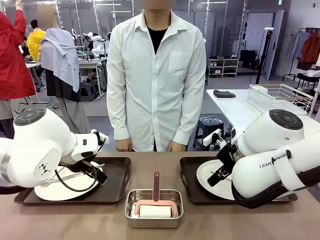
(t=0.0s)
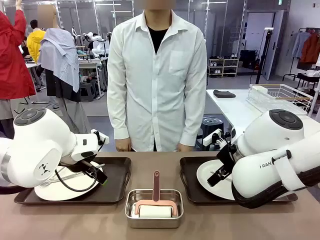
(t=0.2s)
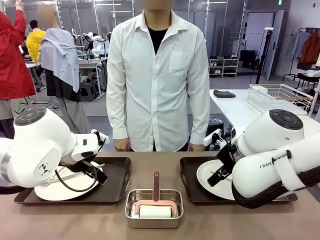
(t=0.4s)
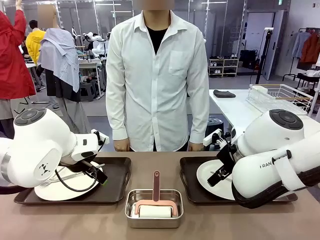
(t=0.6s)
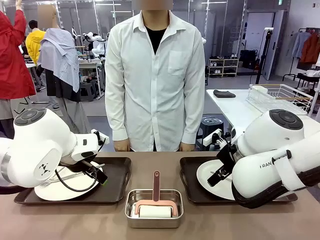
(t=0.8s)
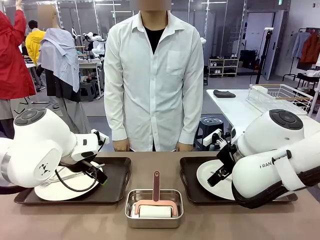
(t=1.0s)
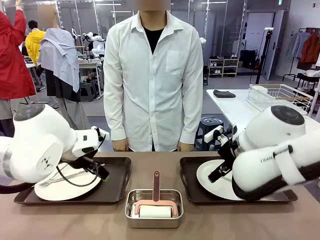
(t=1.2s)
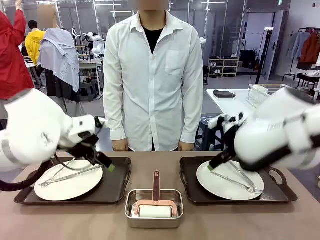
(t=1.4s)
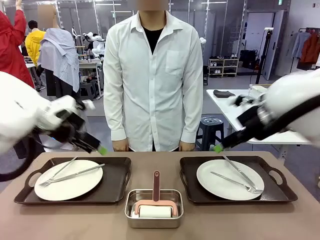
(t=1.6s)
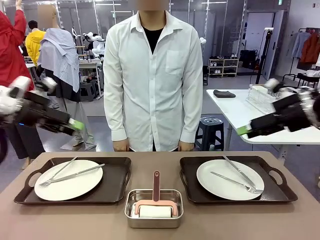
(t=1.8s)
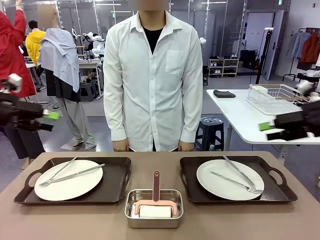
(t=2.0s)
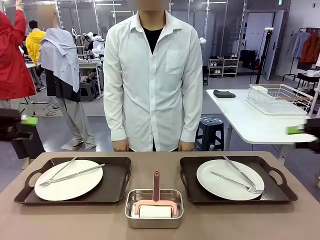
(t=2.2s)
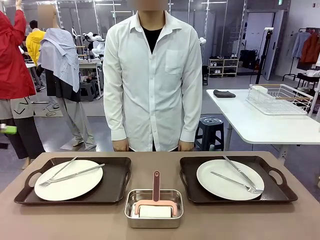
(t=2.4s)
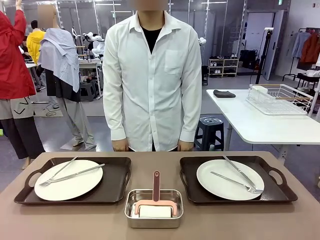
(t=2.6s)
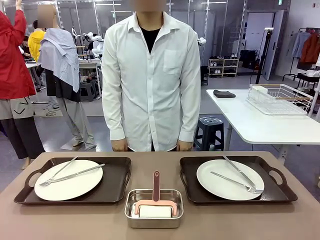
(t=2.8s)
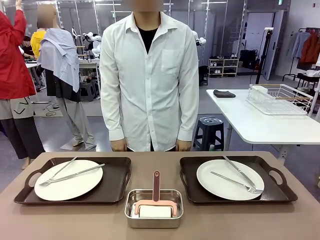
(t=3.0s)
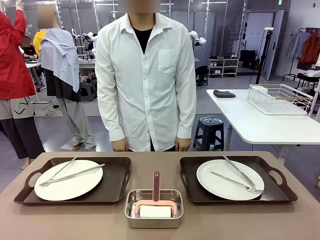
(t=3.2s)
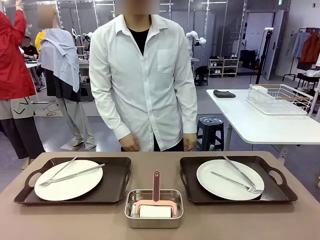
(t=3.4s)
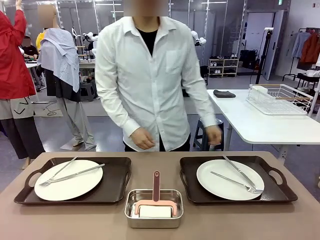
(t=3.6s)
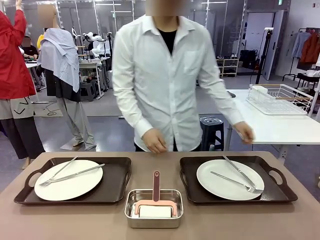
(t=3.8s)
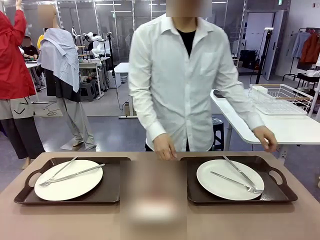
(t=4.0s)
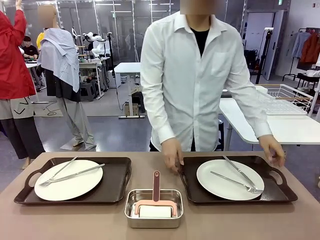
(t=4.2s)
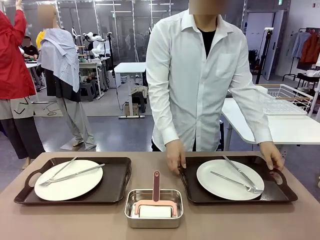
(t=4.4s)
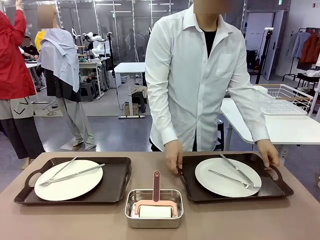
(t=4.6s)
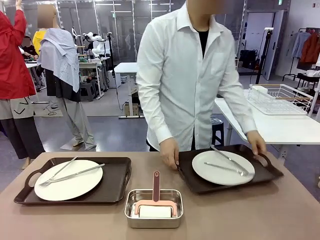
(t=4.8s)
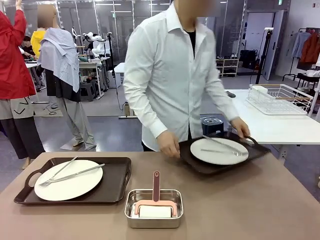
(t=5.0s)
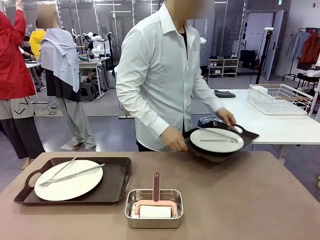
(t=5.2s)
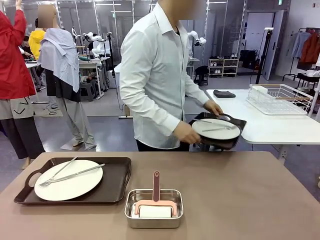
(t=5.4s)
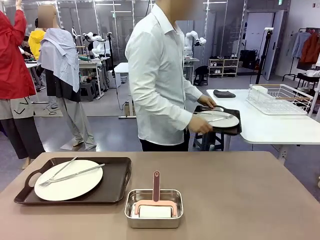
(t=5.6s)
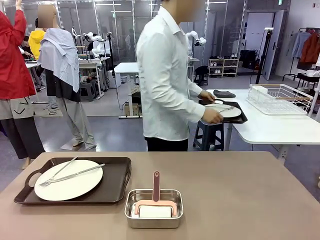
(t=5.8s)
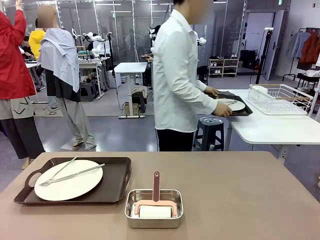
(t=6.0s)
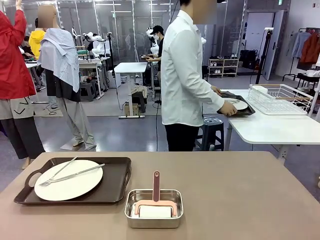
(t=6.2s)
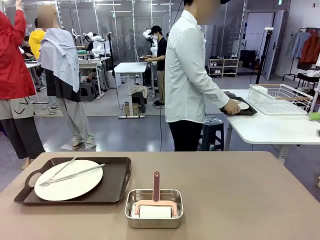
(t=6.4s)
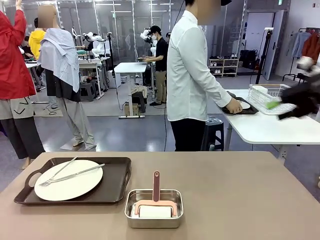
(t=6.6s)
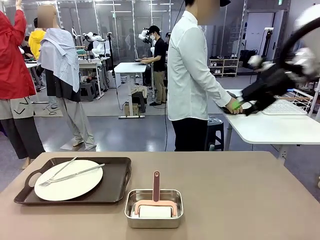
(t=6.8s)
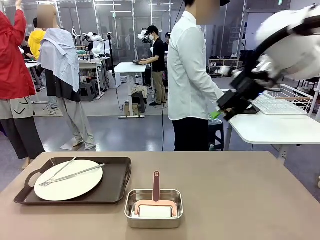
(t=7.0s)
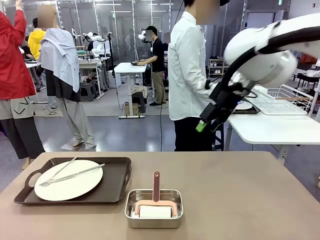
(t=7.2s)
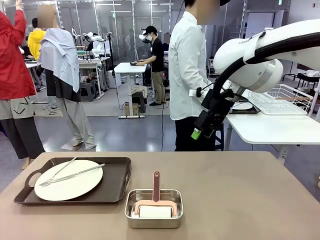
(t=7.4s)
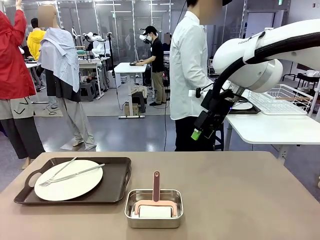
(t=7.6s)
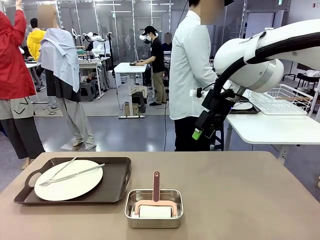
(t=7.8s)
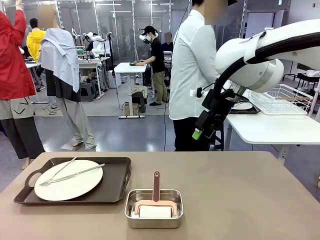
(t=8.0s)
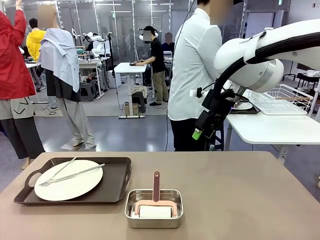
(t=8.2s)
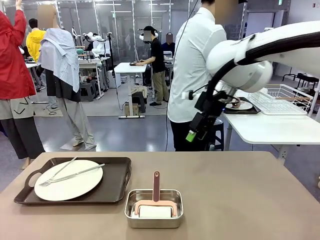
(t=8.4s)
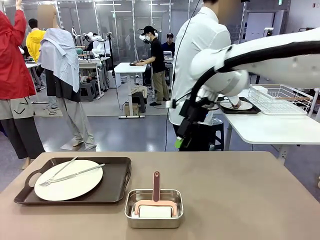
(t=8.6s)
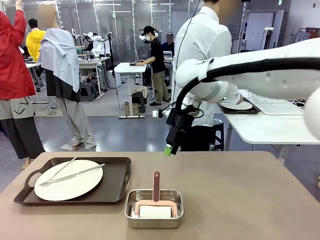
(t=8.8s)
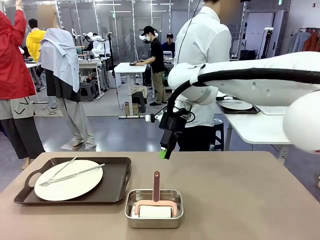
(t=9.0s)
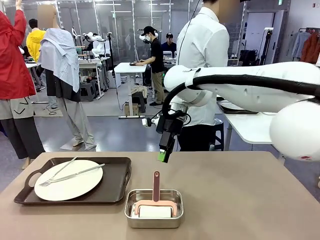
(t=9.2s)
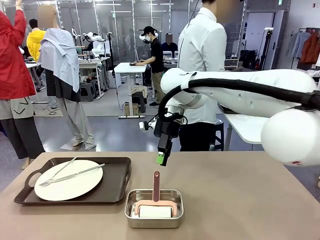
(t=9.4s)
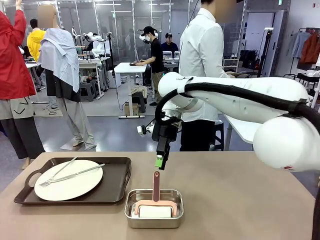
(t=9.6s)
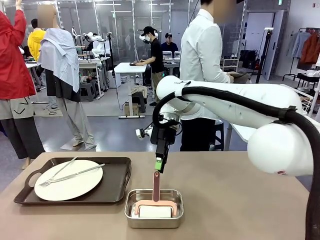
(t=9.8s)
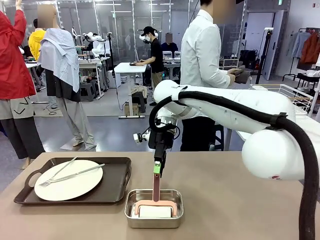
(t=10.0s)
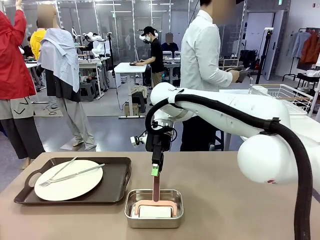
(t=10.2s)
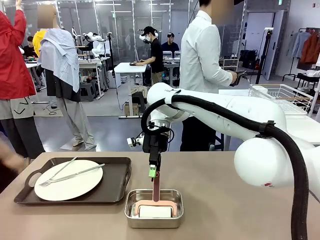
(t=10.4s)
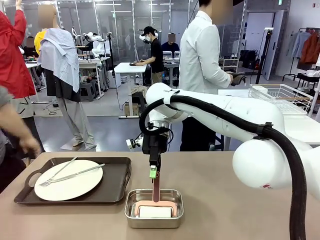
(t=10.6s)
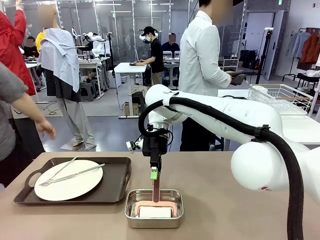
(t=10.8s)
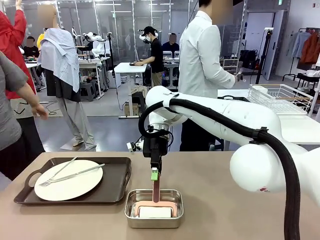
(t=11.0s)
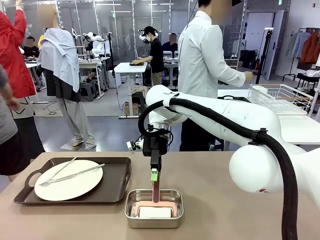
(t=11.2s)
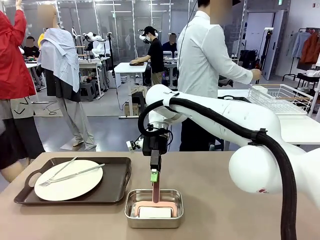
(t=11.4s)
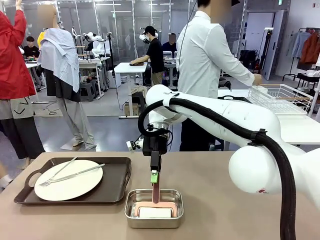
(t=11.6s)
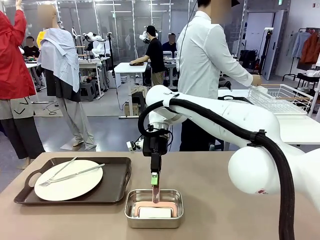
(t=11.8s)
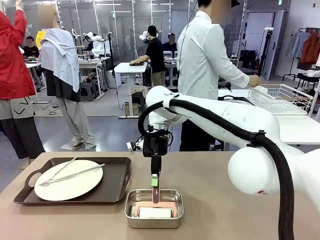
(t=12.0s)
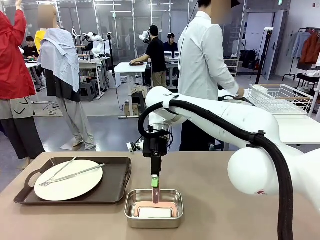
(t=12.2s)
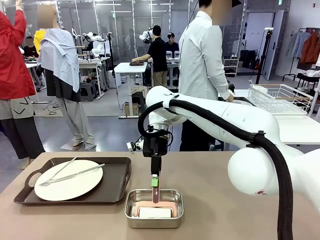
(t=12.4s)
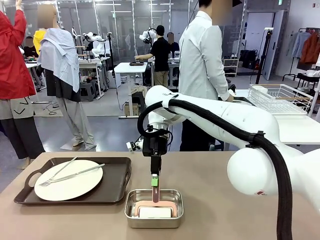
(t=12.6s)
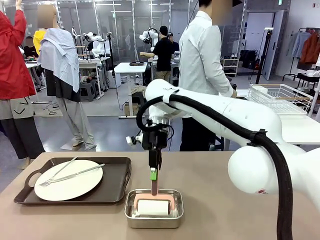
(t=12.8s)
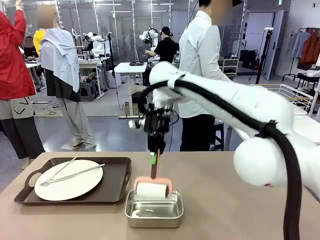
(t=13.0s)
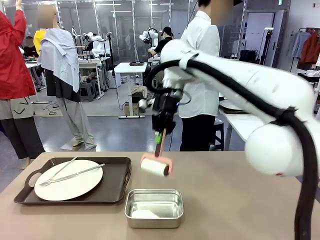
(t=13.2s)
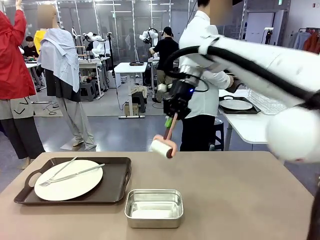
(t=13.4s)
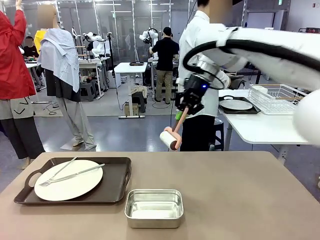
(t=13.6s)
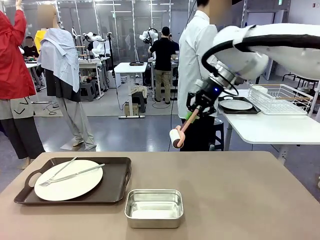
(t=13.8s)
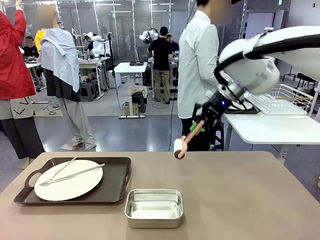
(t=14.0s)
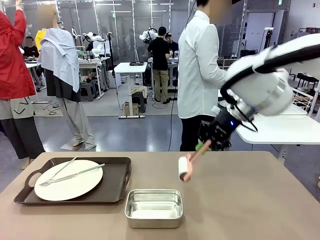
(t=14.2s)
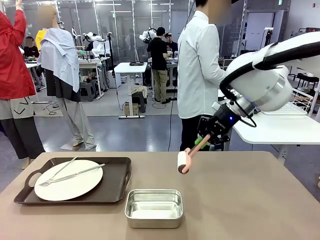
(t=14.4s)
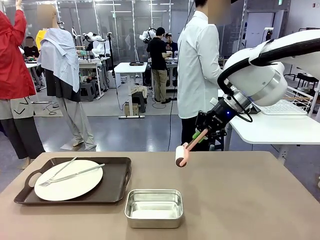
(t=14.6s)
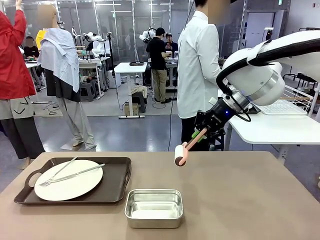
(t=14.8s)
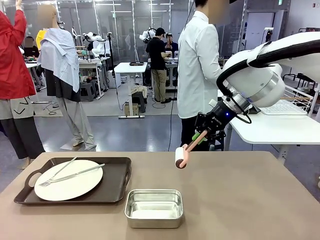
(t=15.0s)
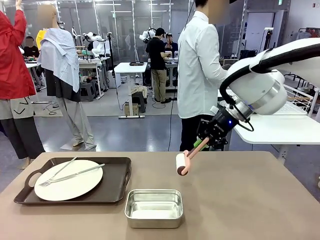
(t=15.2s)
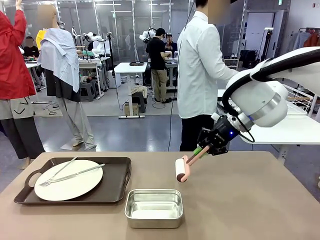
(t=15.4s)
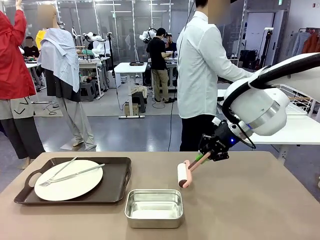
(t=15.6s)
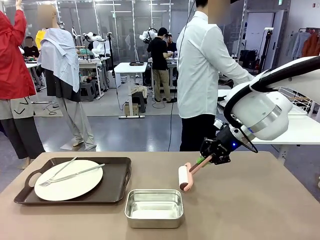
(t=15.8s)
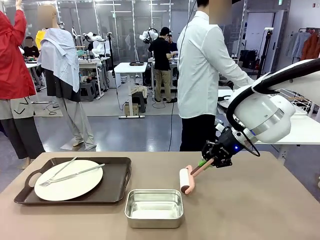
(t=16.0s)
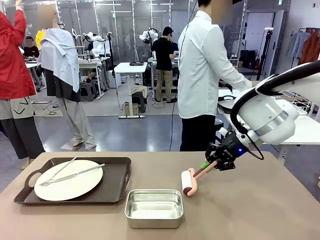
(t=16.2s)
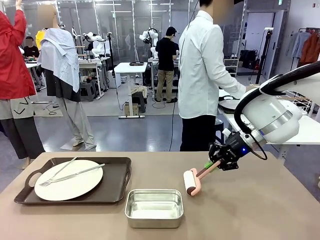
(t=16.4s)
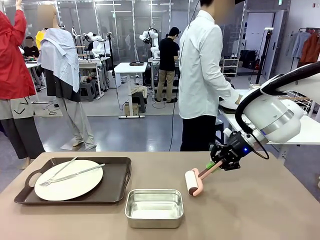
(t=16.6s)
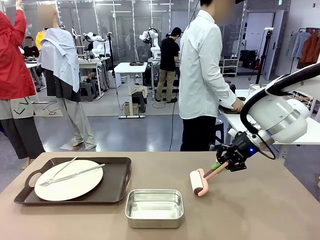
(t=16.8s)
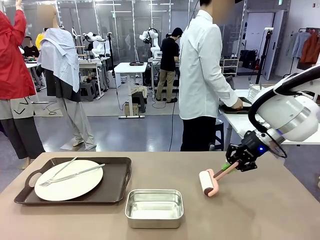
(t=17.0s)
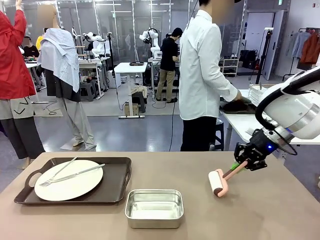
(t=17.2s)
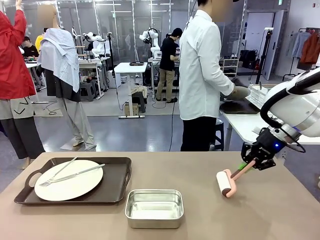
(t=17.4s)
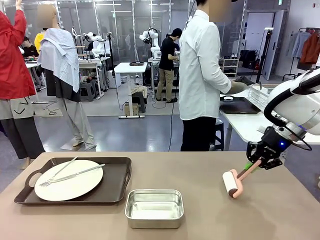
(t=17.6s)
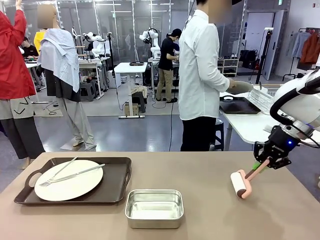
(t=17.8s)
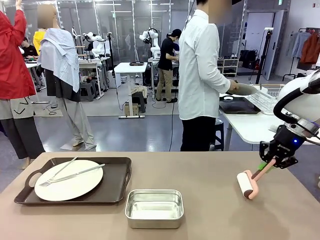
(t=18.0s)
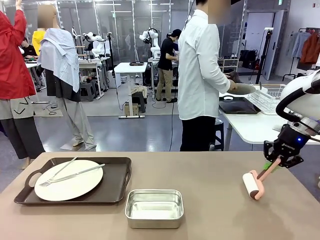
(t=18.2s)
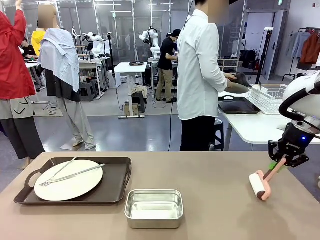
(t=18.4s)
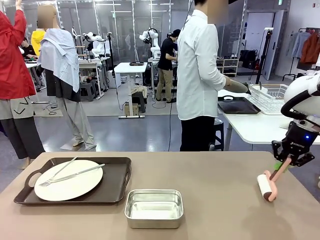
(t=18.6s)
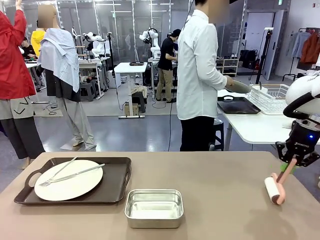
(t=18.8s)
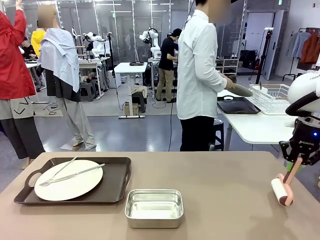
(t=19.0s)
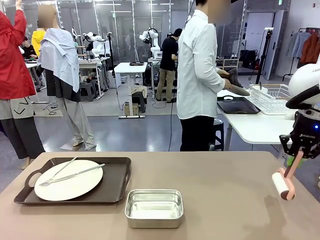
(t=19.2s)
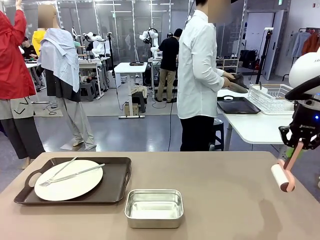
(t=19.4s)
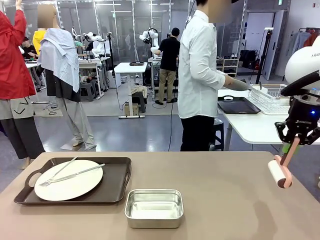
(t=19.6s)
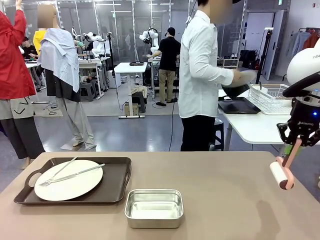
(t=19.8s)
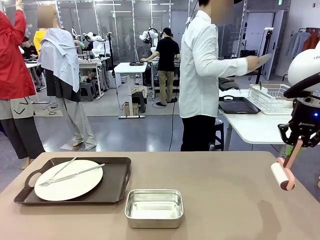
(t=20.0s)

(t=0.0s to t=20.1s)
Robot: When the left (or right) Handle tray is removed, use the left hand (or right hand) to clean the left (or right) side of the table with the Lint Roller.
Person: Pick up the left (or right) Handle tray and place it on the middle of the Human's table. Use the Towel with hook to wipe the Plastic Matte Plate , Fork , and Knife and place into the Dish drying rack.
